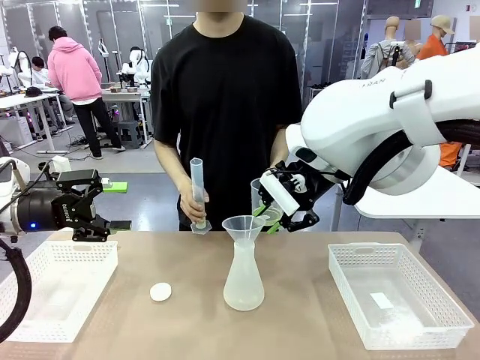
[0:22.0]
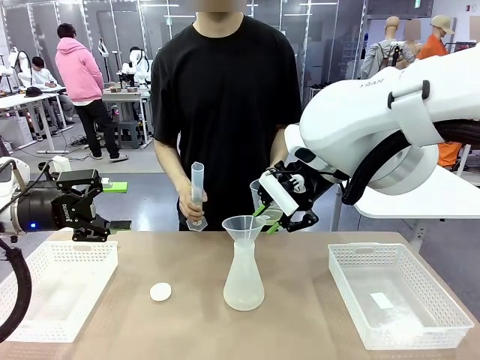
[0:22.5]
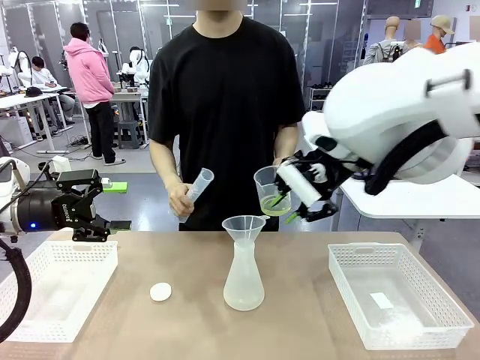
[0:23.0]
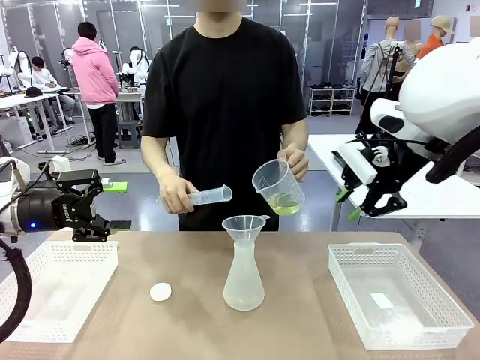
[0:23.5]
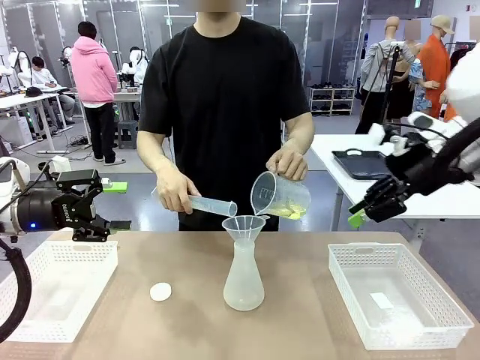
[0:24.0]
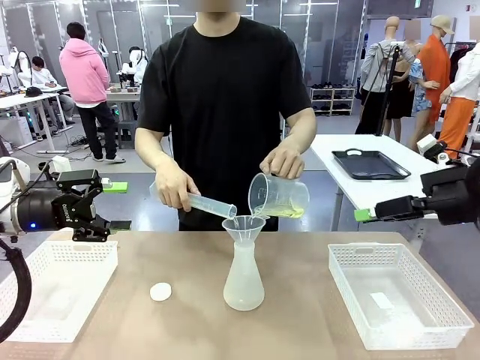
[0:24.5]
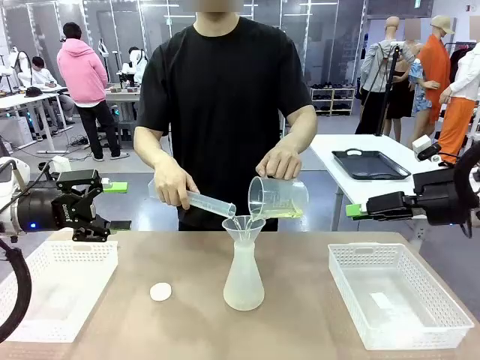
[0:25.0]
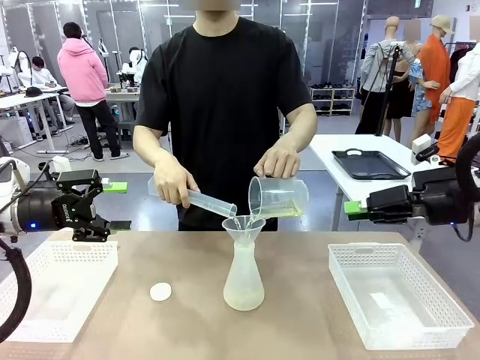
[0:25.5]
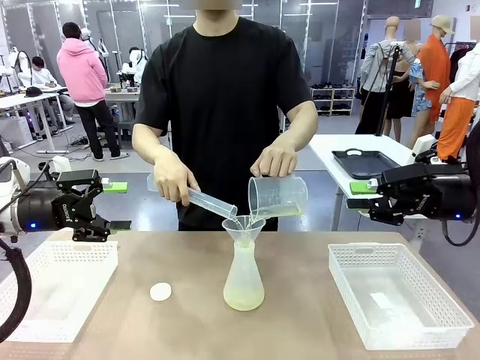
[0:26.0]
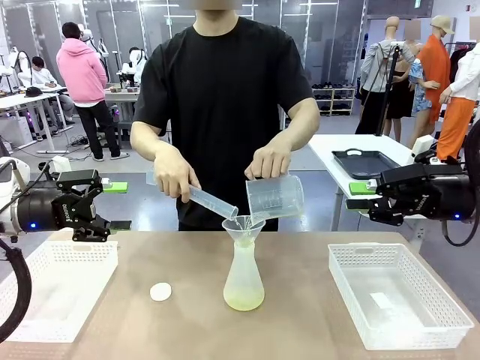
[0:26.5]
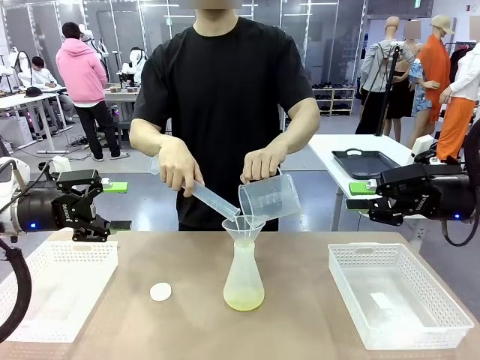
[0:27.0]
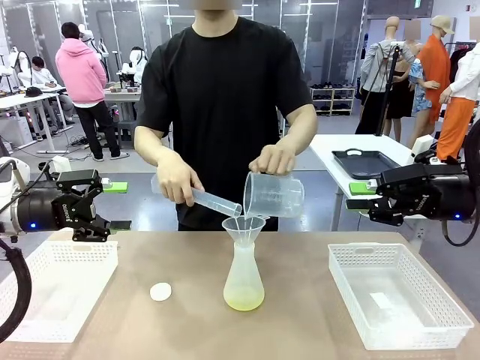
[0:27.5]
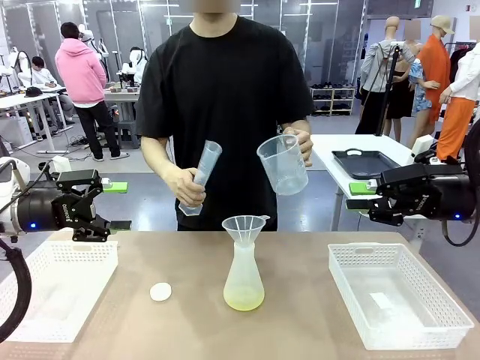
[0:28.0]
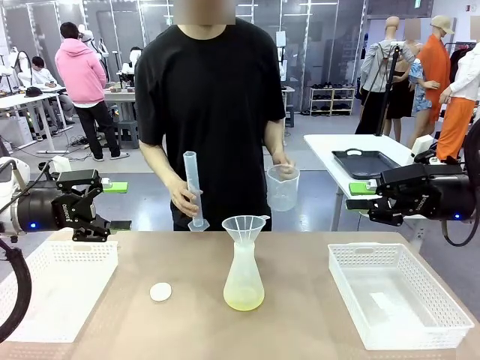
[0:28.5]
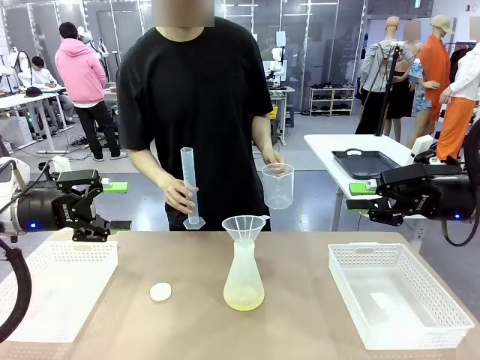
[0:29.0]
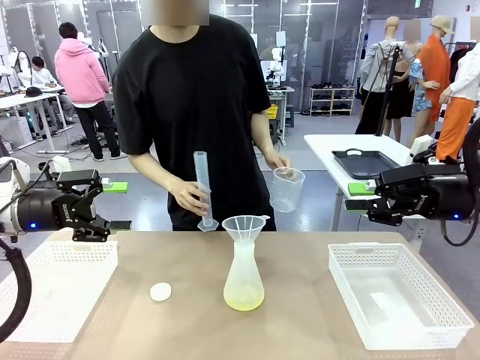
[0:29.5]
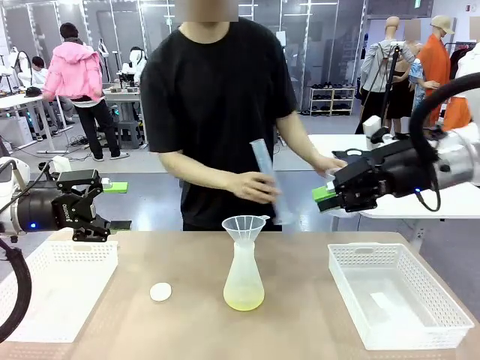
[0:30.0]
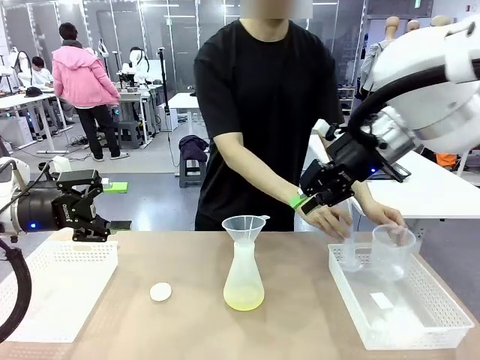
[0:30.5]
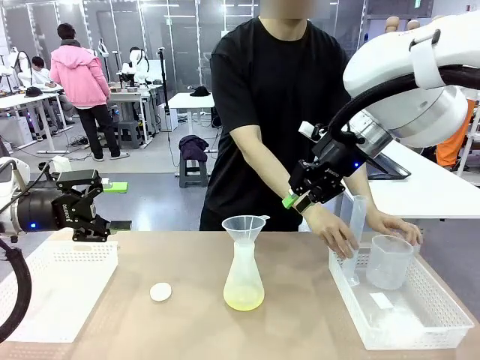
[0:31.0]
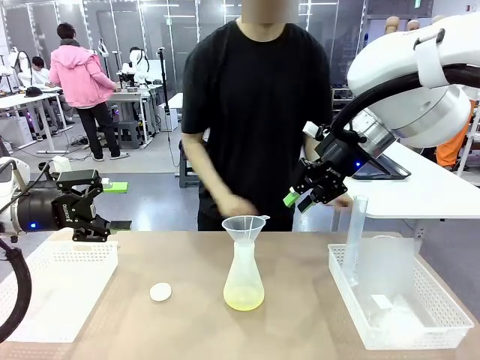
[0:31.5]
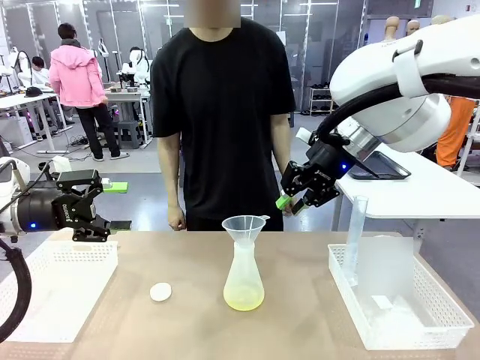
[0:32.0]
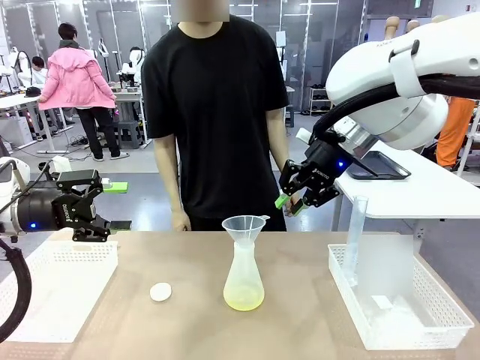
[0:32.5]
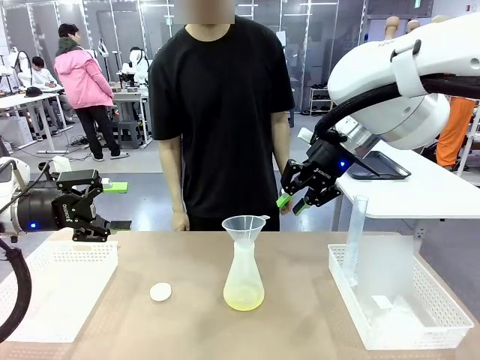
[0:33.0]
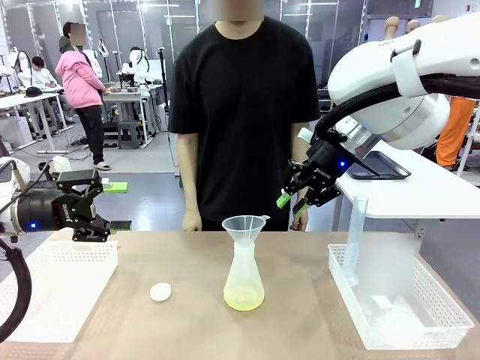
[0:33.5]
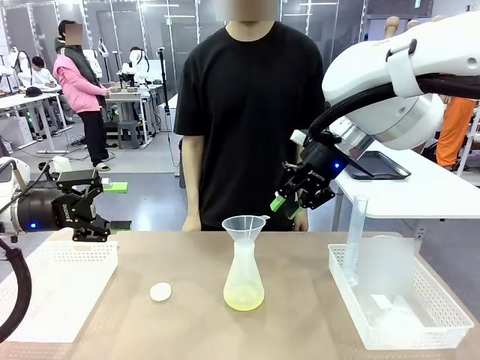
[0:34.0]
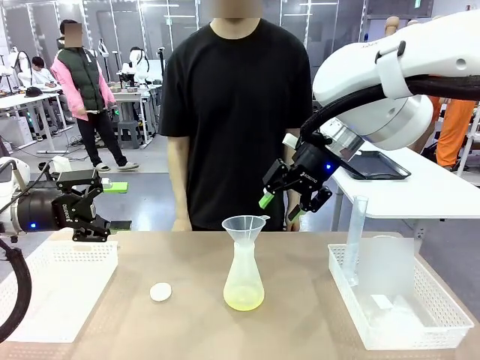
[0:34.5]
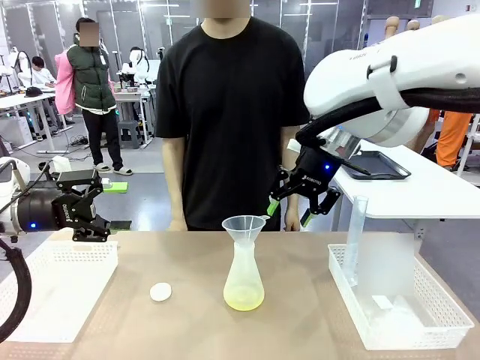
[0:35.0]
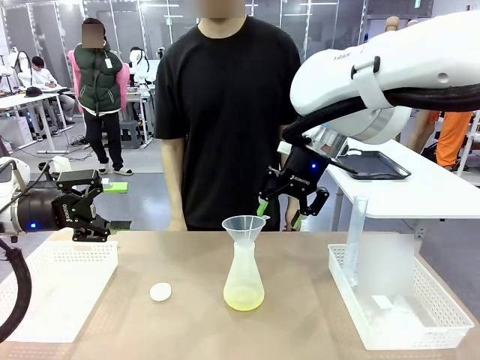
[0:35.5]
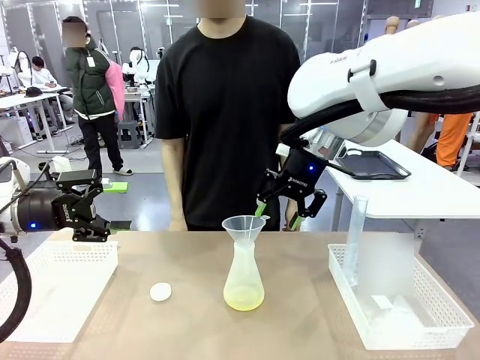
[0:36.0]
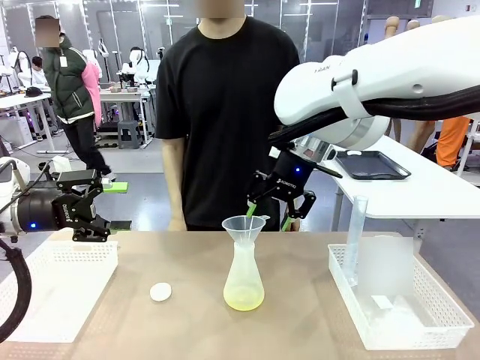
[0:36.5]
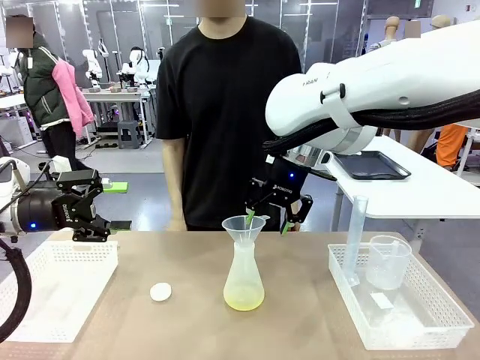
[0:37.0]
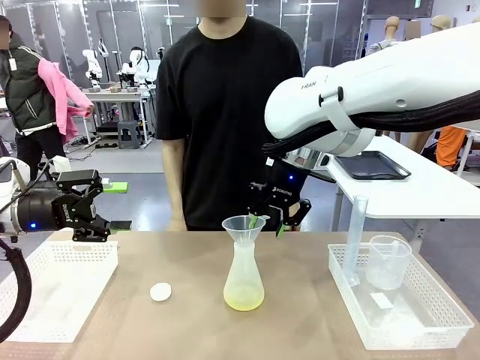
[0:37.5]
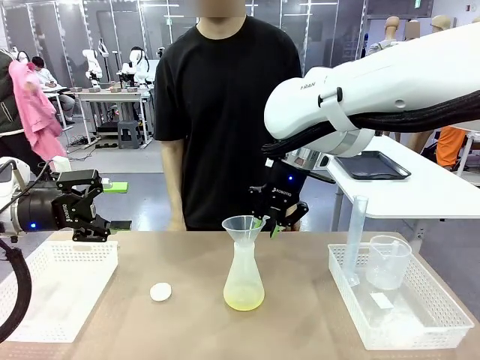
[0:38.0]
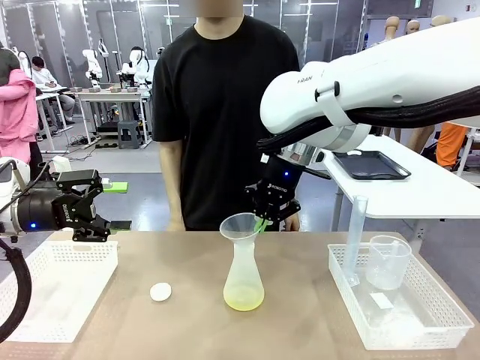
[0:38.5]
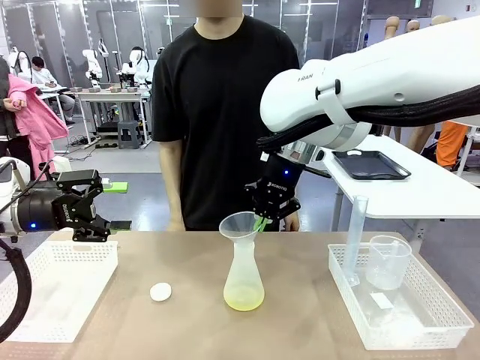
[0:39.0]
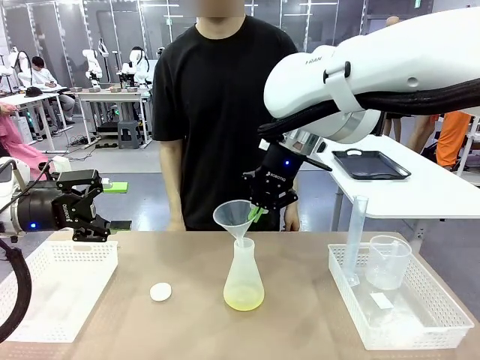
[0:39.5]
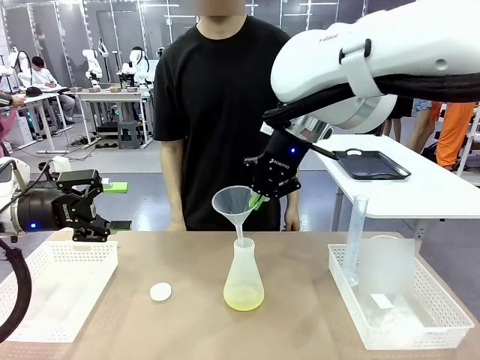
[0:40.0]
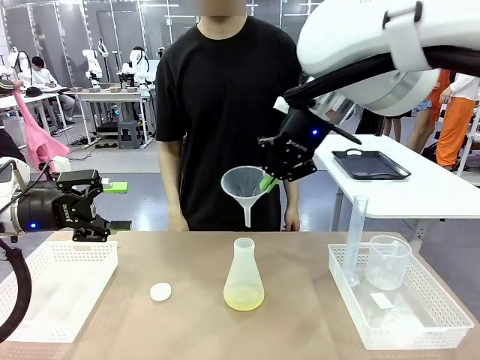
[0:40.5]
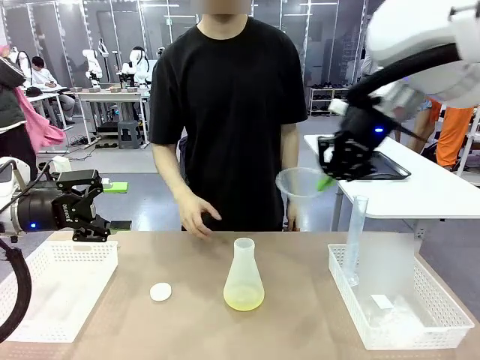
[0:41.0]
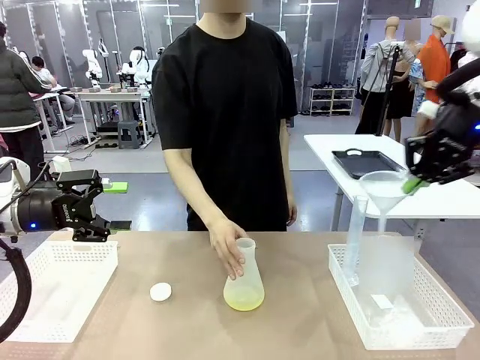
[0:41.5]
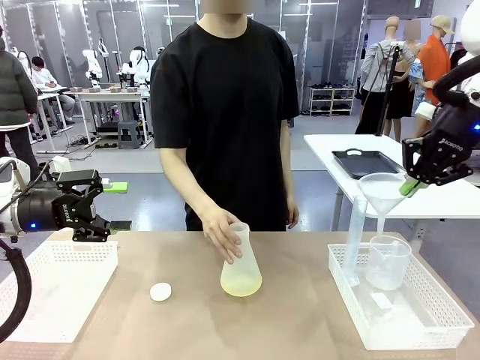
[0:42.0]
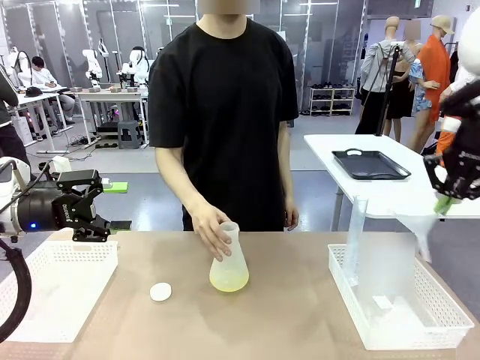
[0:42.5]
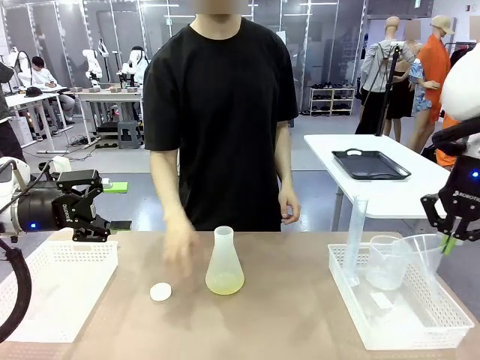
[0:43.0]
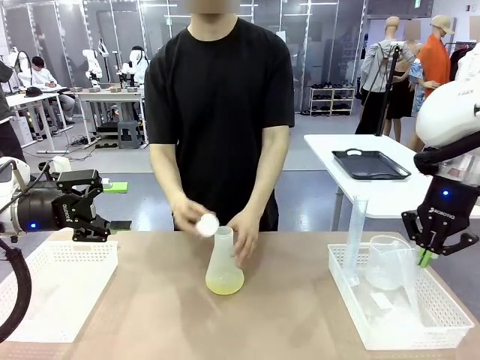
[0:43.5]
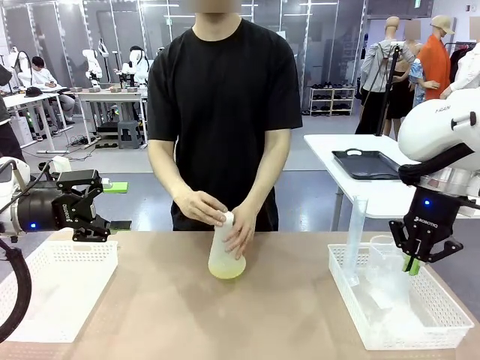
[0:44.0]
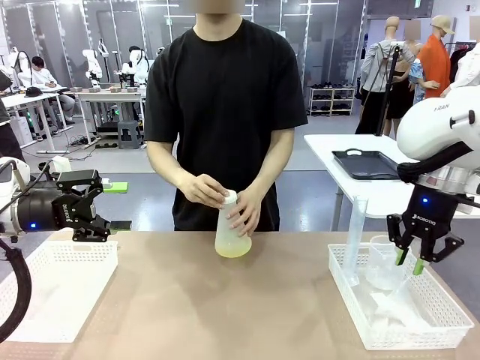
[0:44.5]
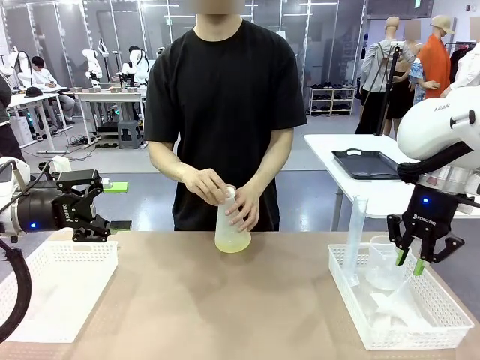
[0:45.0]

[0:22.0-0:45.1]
Task: Prepare the solutions needed for the experiment.
Robot: Once the solution is in the Big flask , pick up the Plastic Funnel and place it back into the right Organizing basket.
Person: Place the beaker and the cylinder into the organizing basket on the left side. Pick up the flask, gently shake it 2–3 times, place it in the middle of the robot table, and close the lid.

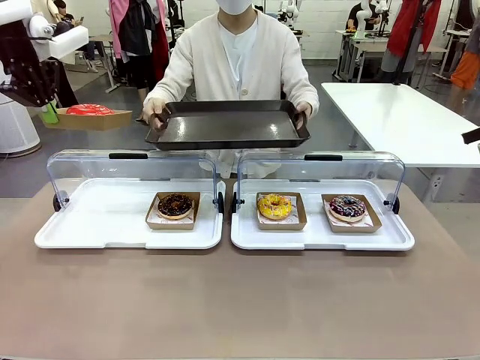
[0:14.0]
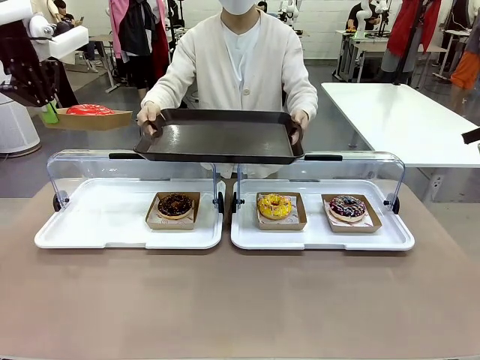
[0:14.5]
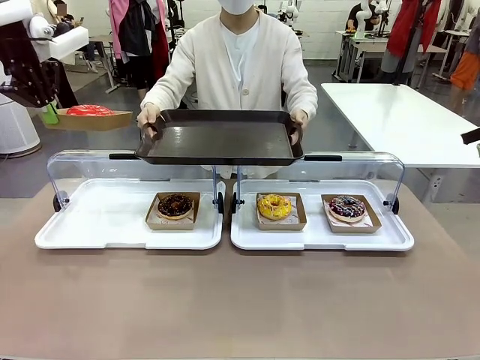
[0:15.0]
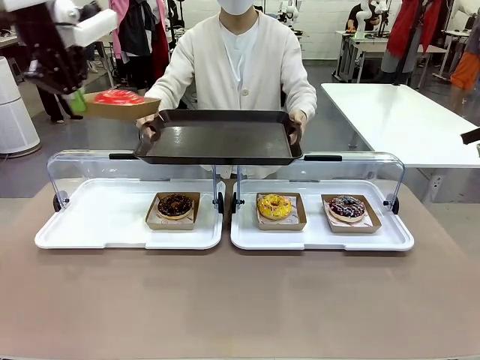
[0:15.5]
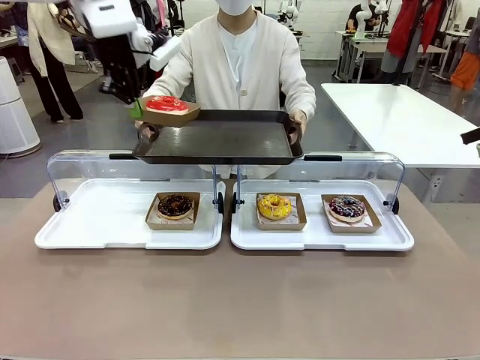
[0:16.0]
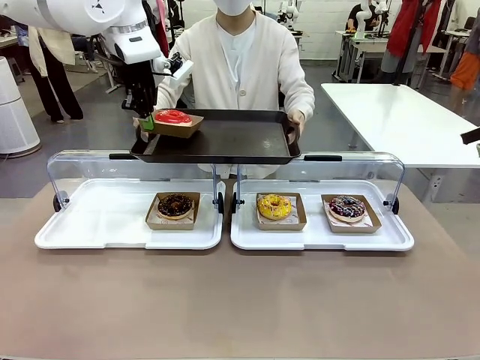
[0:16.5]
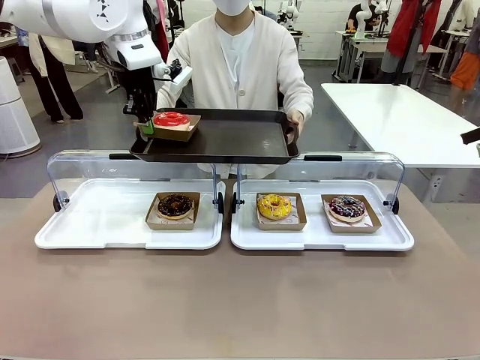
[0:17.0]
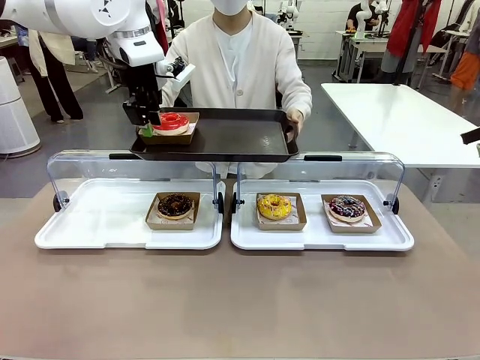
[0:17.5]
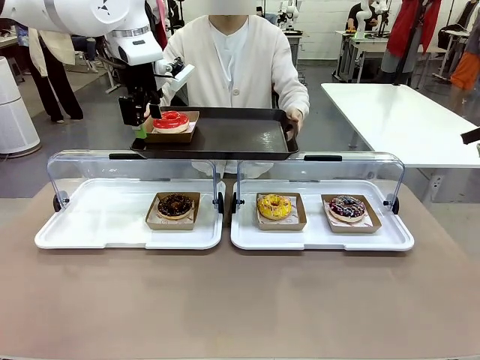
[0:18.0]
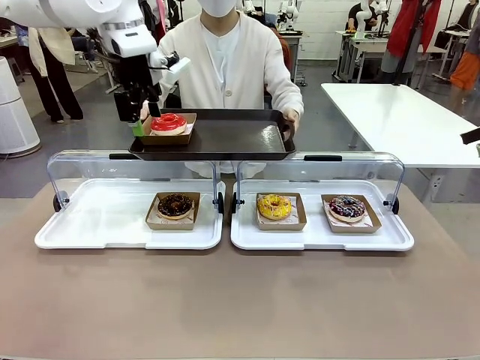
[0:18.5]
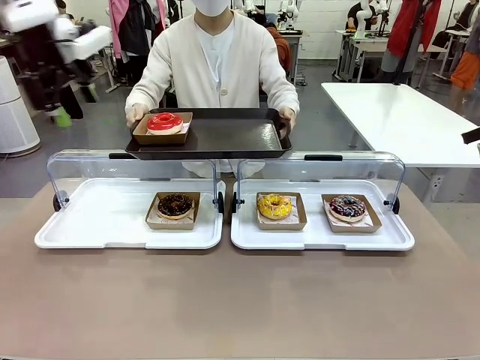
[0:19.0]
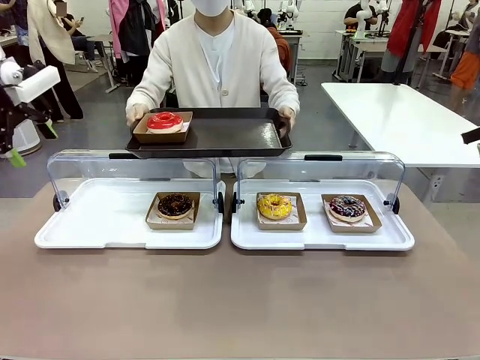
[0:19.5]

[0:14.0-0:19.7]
Task: Provide the desired donut to the person.
Robot: Place the picked Paper togo box onto the Handle tray extended by the person.
